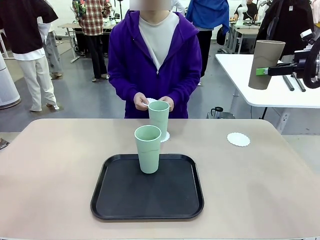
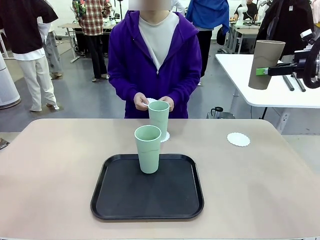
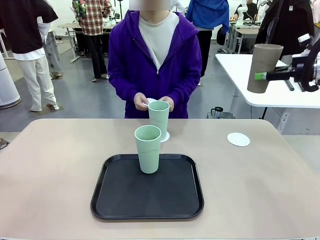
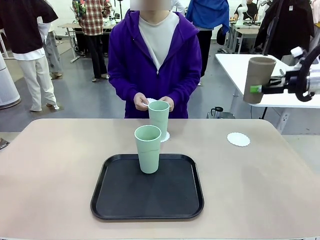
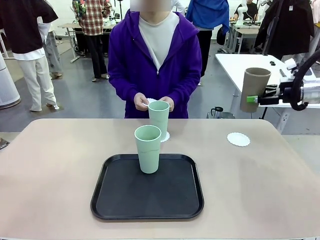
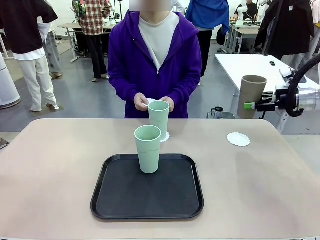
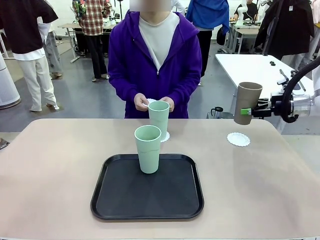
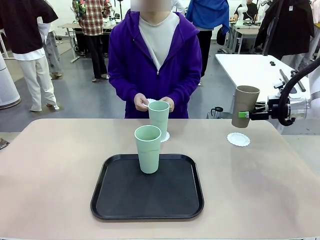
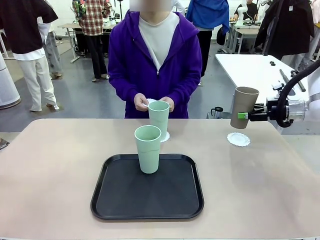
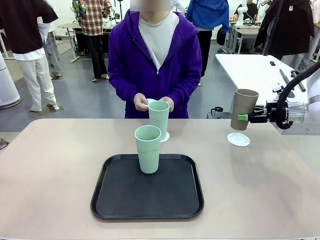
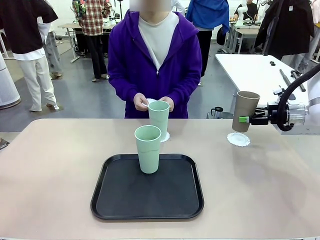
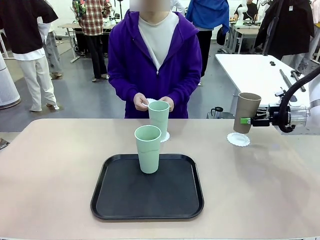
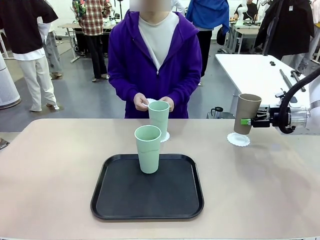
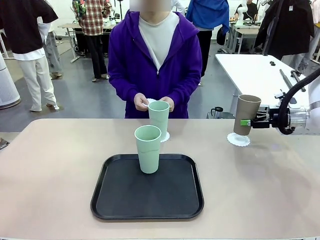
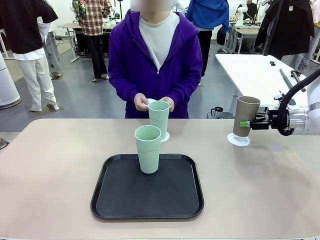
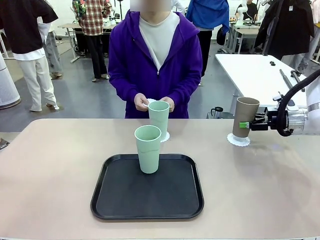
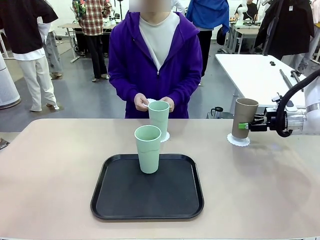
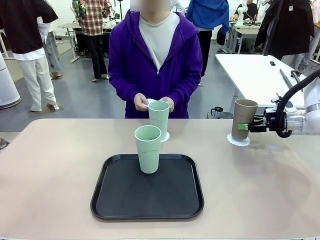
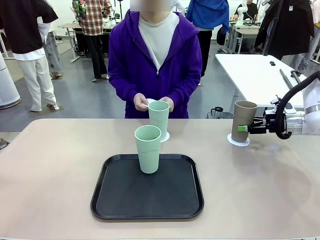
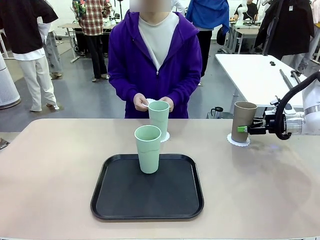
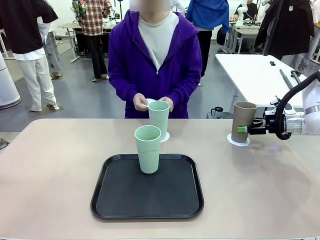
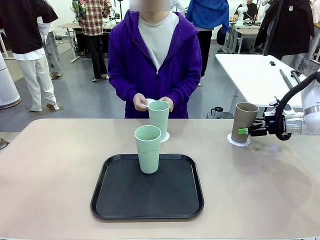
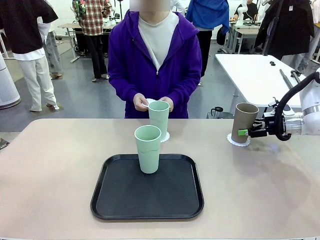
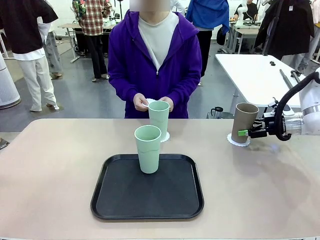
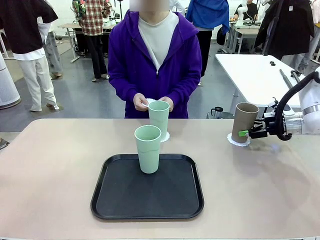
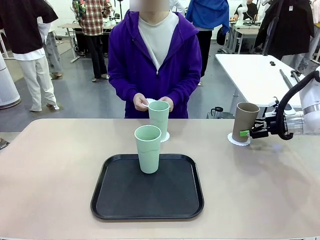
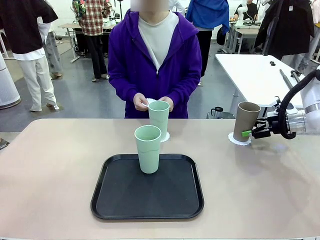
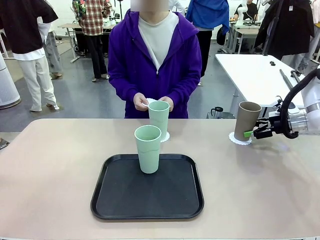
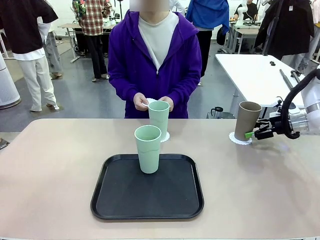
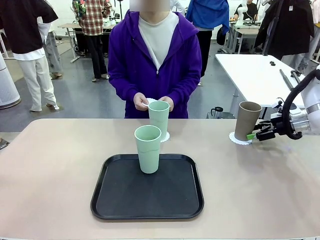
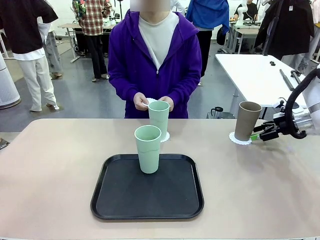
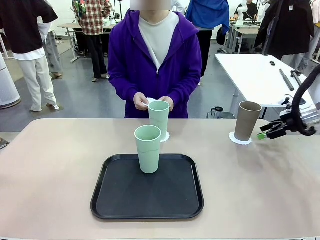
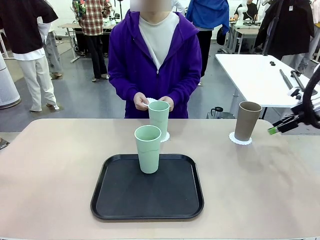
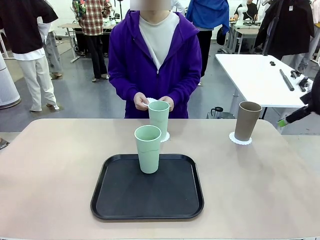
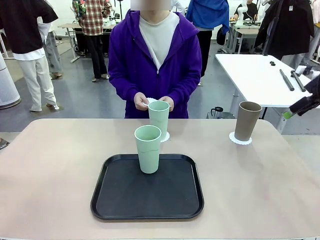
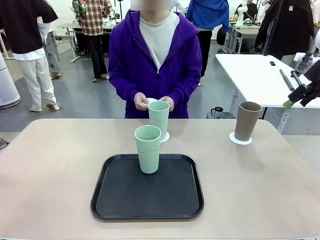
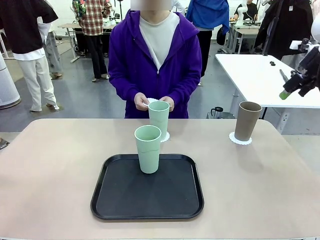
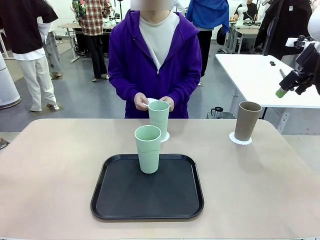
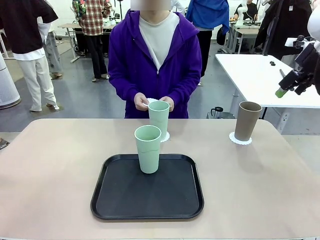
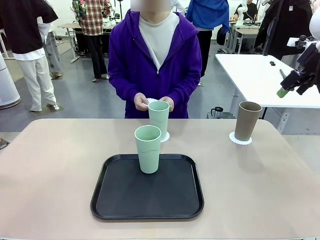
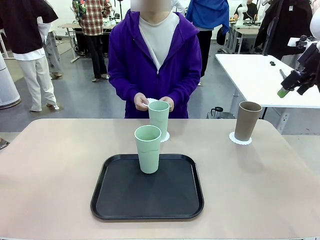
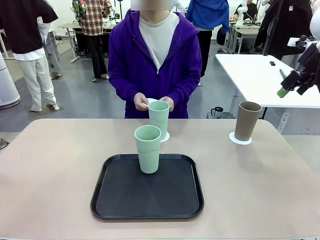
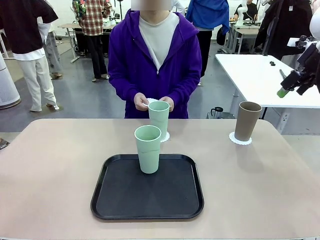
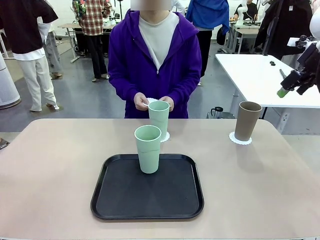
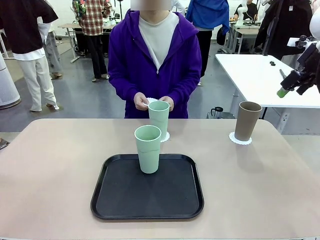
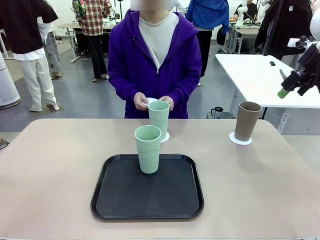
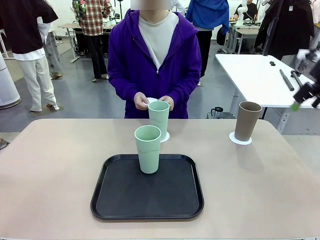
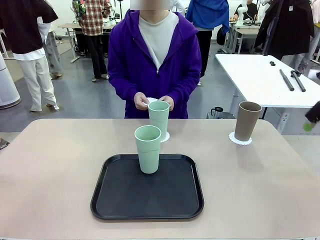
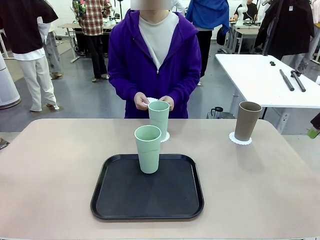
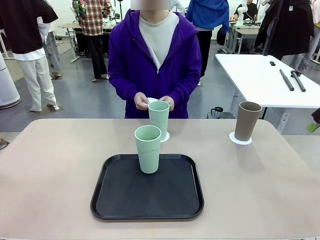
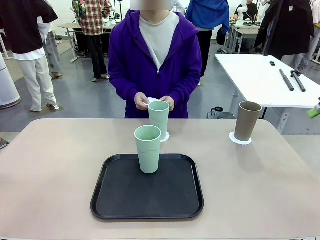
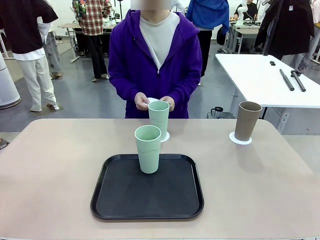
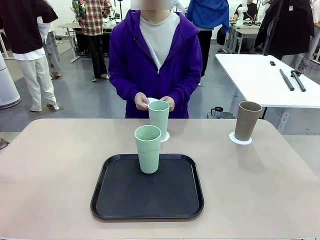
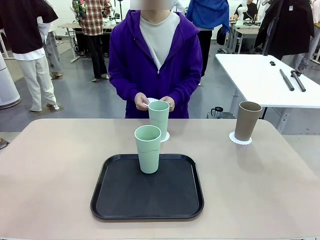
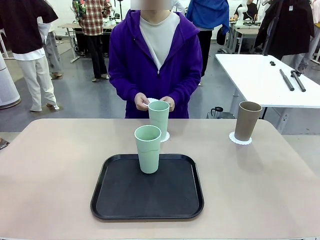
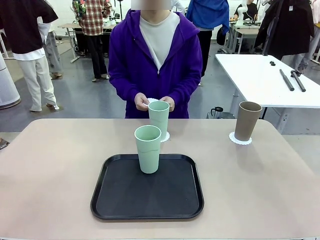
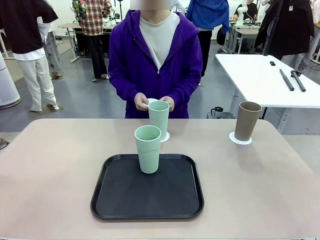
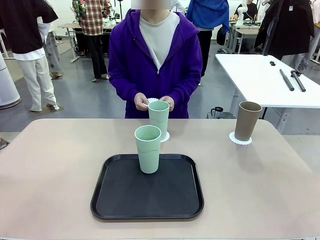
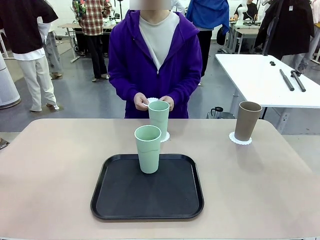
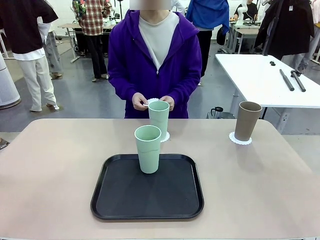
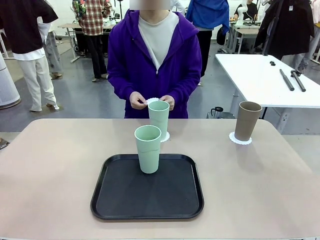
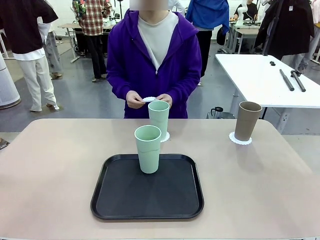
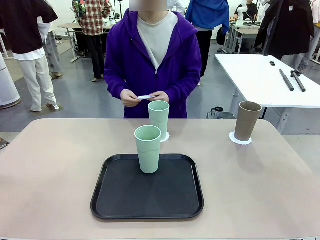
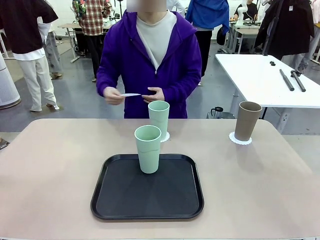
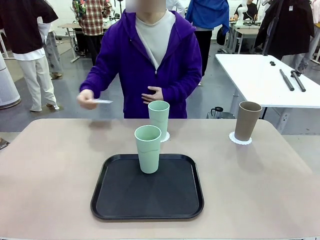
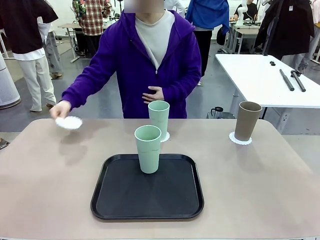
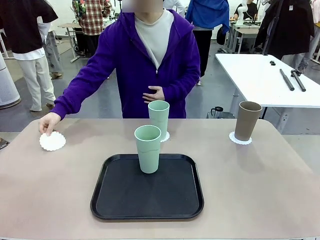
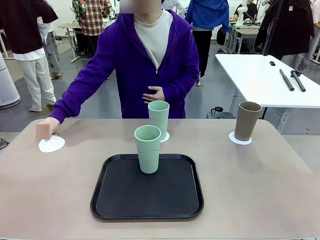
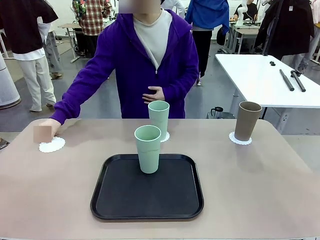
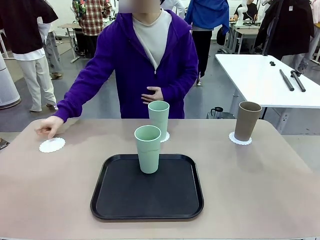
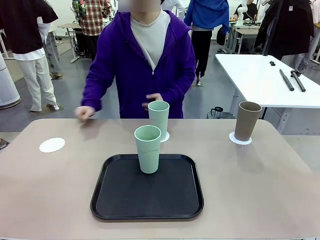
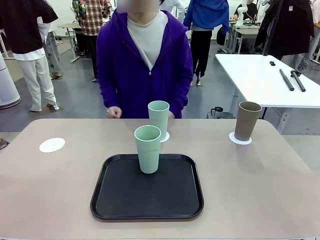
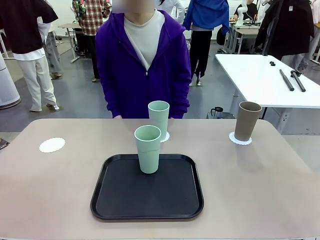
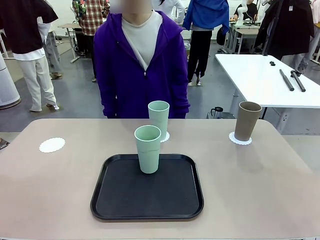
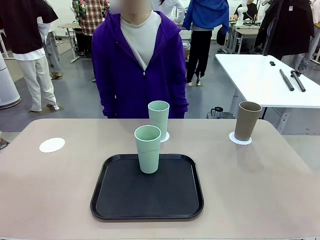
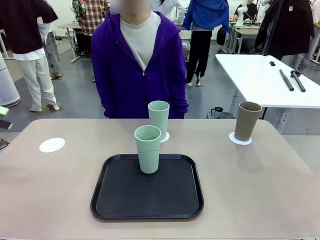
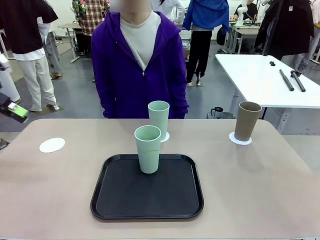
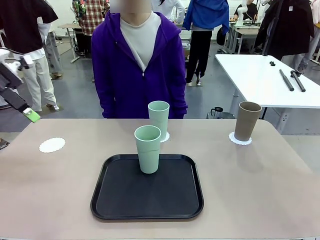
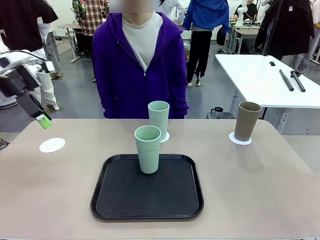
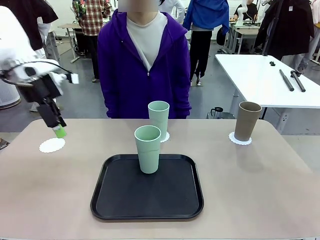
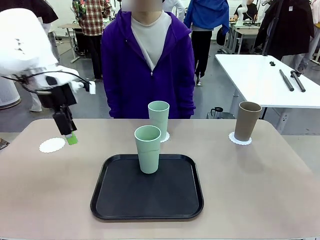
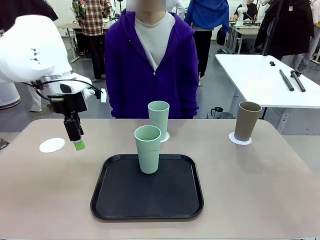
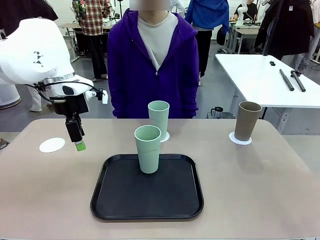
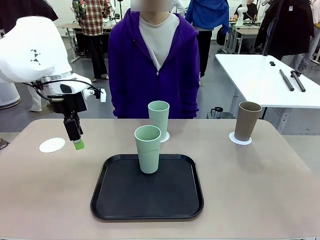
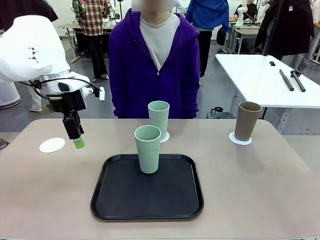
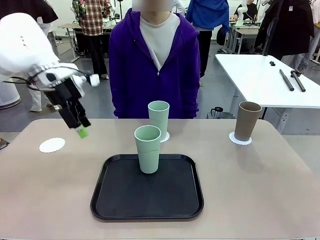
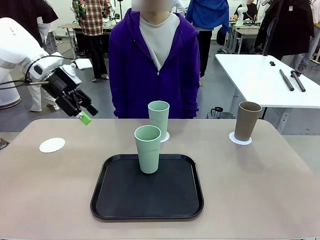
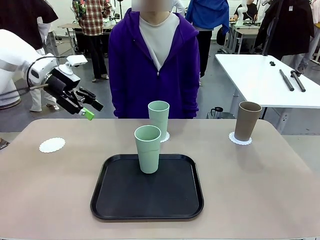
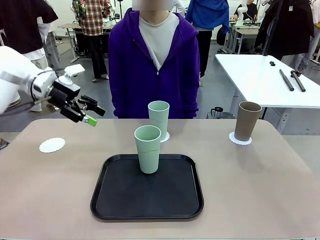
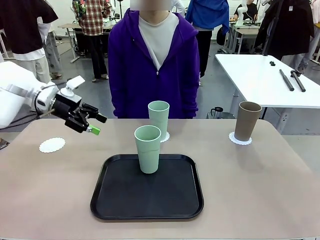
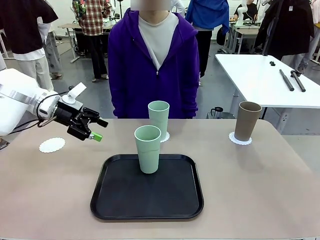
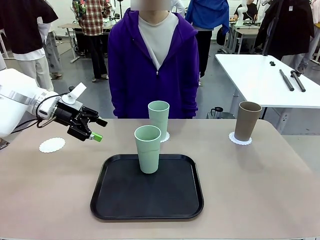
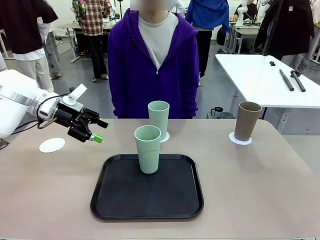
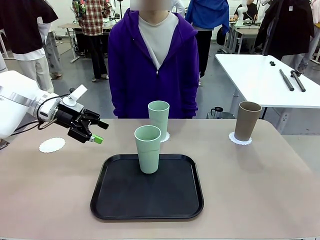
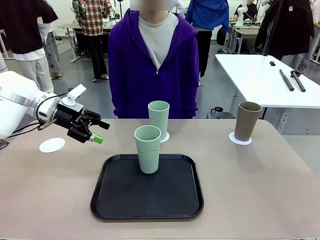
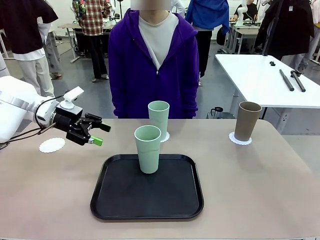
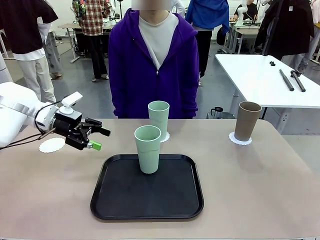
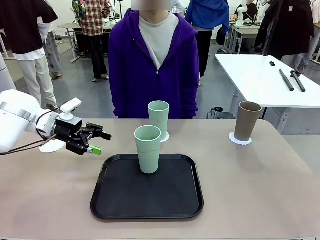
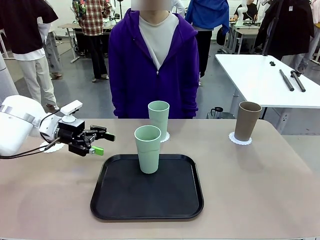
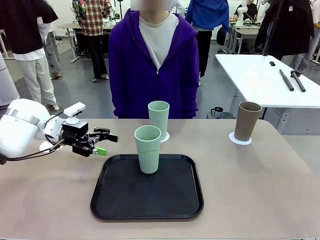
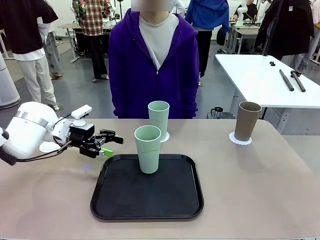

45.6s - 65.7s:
Task: Place coasters on the table and set cups on them.
Robot: Take one Reusable plastic cup from the Flat Tray and place it on a coaster set by the human.
